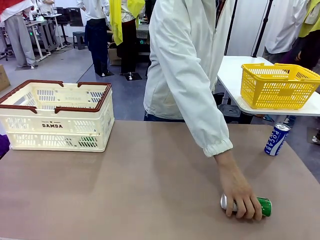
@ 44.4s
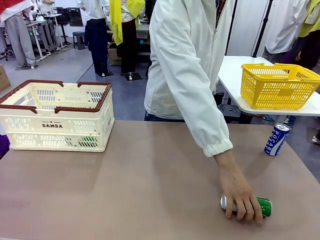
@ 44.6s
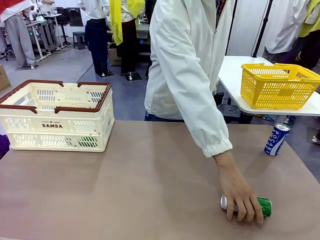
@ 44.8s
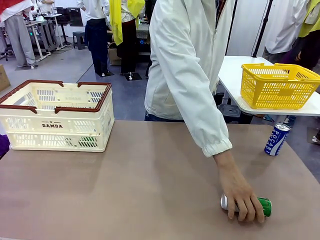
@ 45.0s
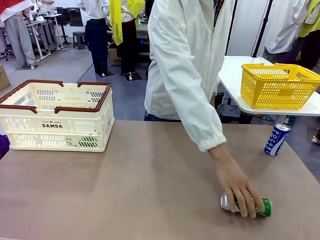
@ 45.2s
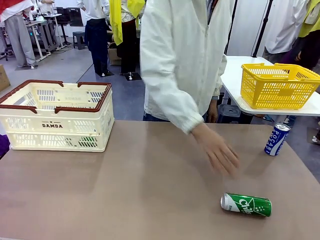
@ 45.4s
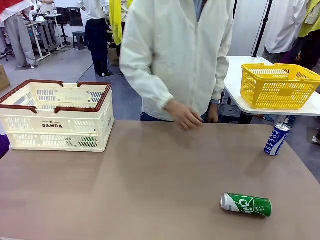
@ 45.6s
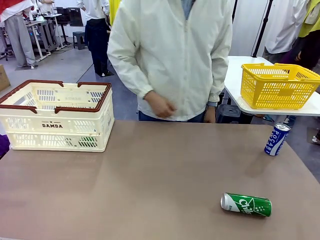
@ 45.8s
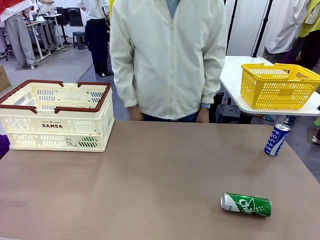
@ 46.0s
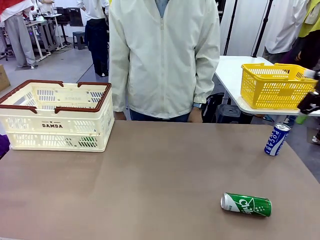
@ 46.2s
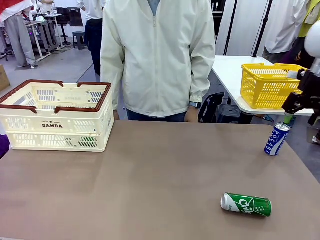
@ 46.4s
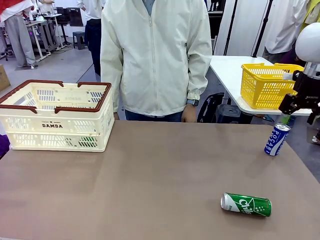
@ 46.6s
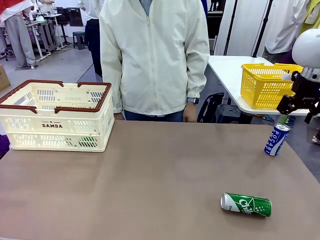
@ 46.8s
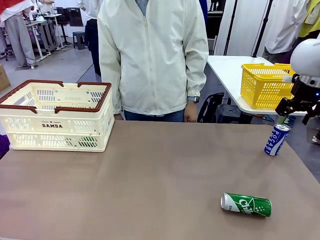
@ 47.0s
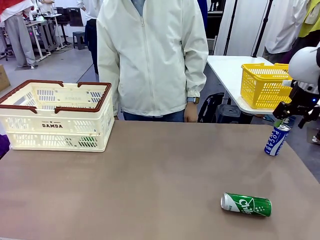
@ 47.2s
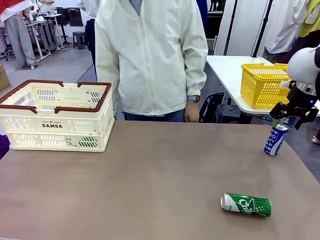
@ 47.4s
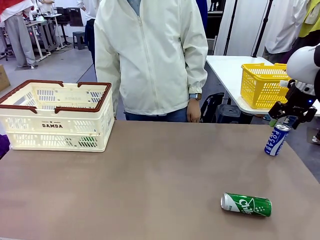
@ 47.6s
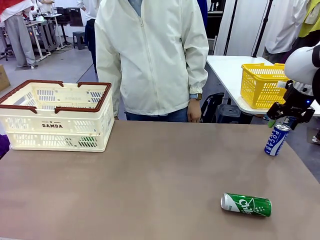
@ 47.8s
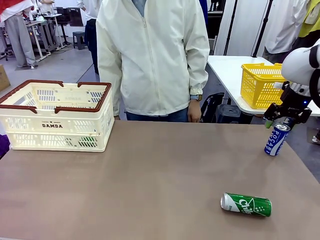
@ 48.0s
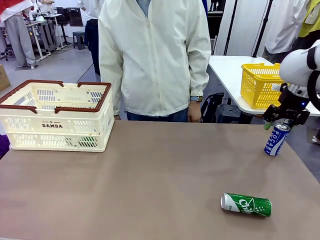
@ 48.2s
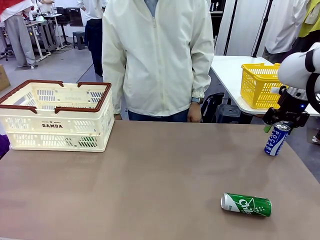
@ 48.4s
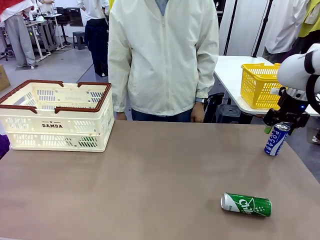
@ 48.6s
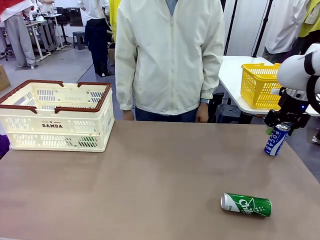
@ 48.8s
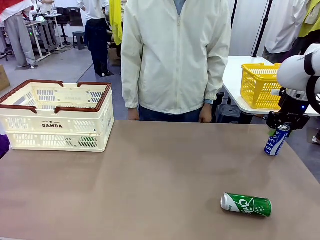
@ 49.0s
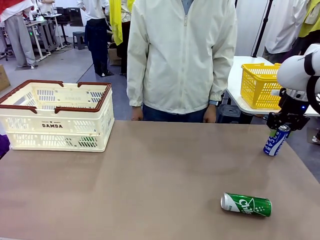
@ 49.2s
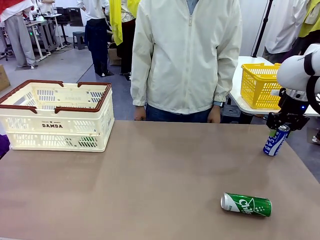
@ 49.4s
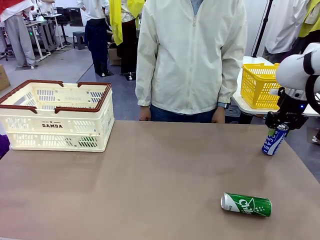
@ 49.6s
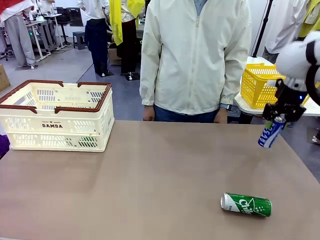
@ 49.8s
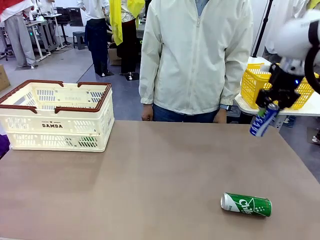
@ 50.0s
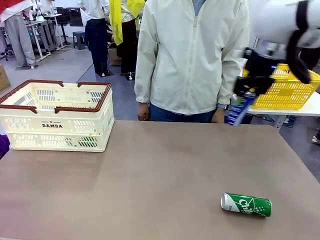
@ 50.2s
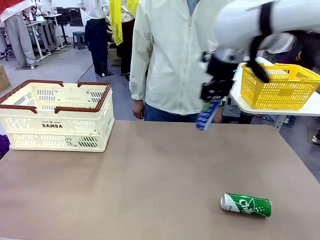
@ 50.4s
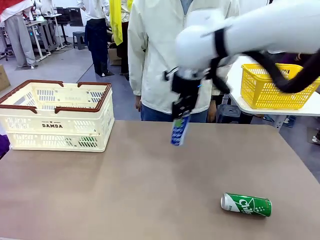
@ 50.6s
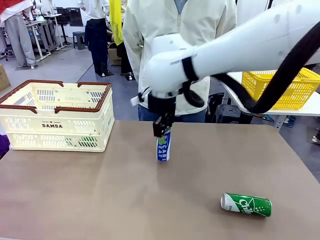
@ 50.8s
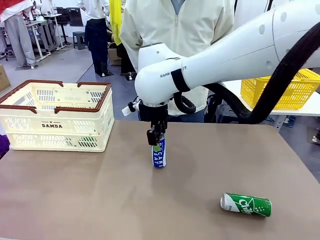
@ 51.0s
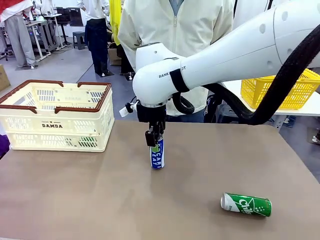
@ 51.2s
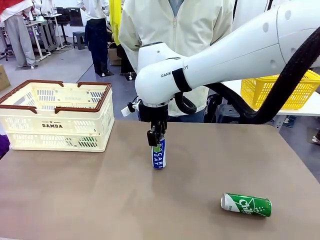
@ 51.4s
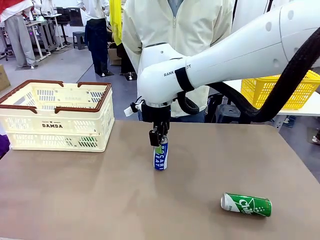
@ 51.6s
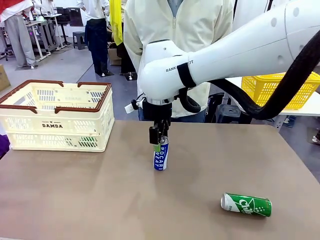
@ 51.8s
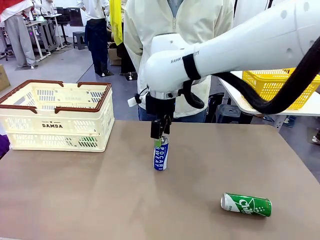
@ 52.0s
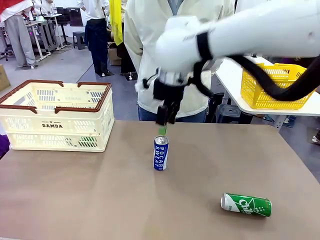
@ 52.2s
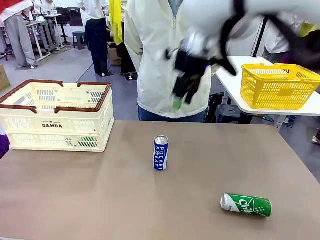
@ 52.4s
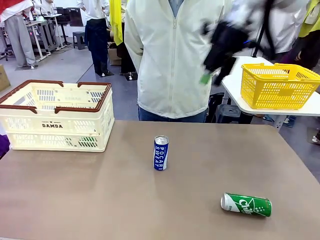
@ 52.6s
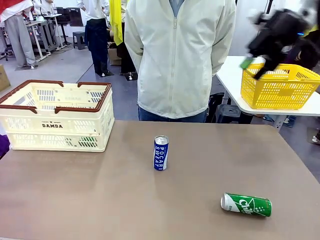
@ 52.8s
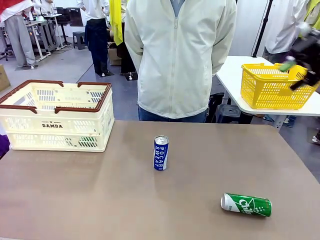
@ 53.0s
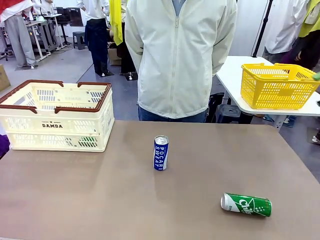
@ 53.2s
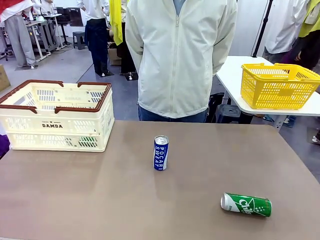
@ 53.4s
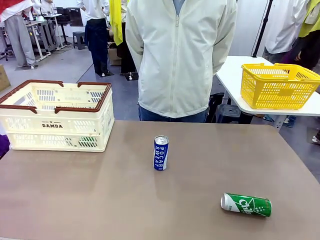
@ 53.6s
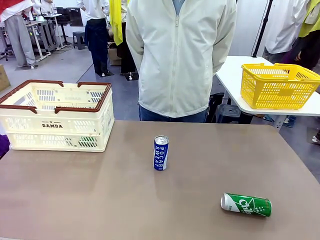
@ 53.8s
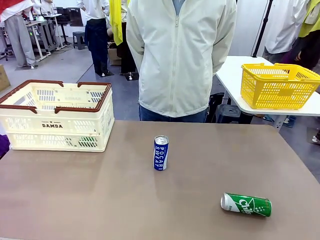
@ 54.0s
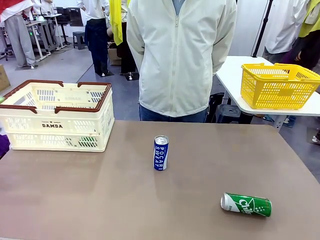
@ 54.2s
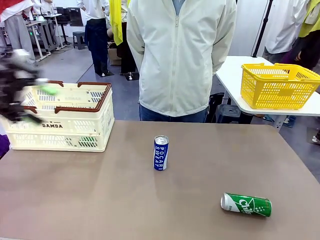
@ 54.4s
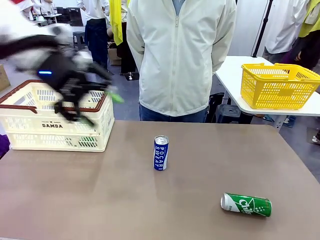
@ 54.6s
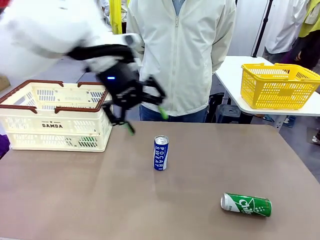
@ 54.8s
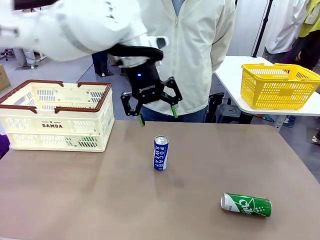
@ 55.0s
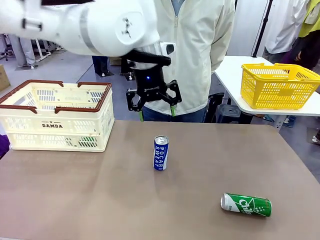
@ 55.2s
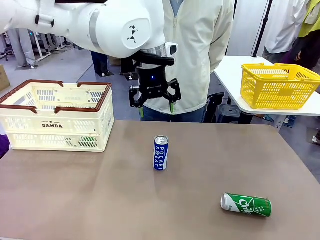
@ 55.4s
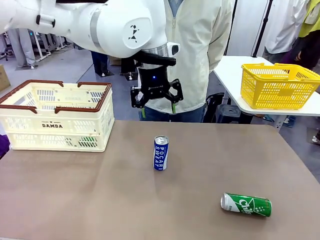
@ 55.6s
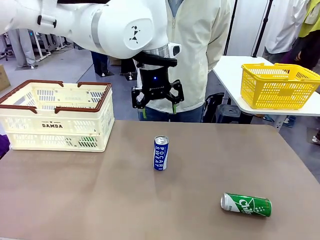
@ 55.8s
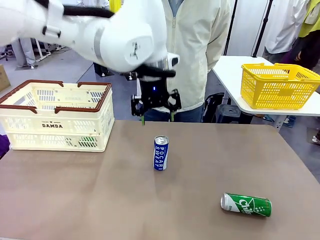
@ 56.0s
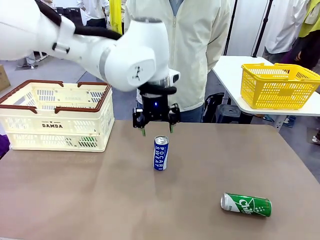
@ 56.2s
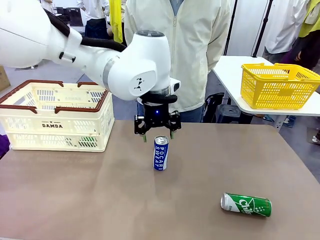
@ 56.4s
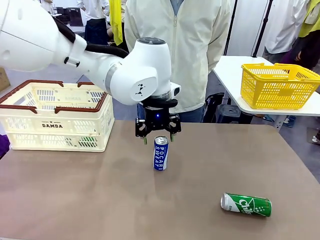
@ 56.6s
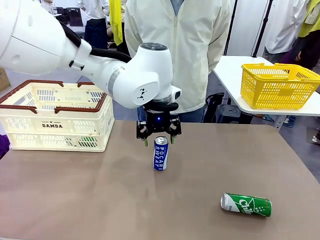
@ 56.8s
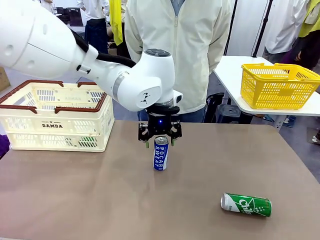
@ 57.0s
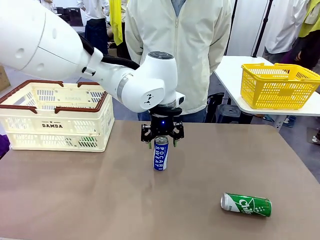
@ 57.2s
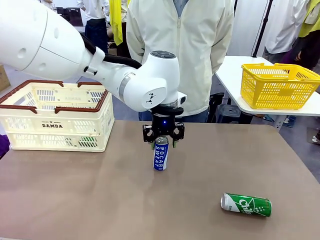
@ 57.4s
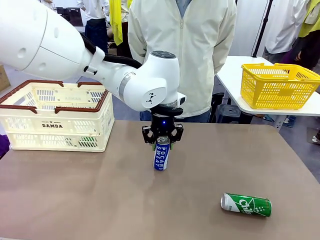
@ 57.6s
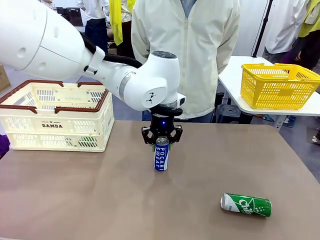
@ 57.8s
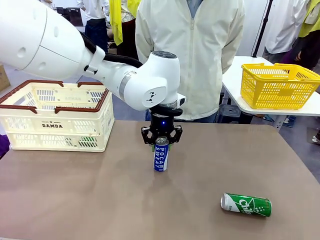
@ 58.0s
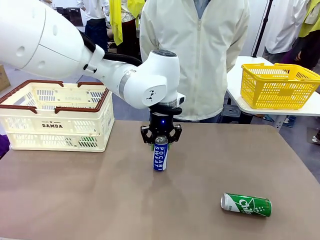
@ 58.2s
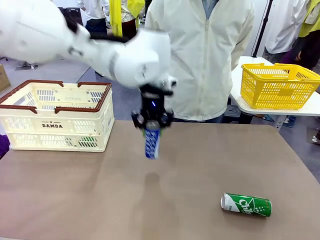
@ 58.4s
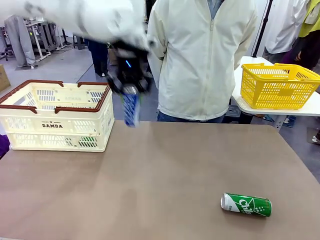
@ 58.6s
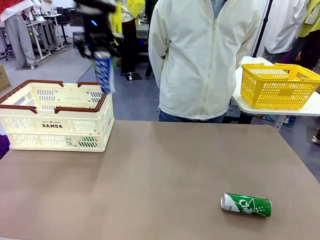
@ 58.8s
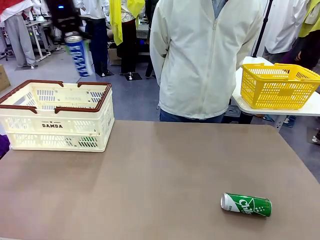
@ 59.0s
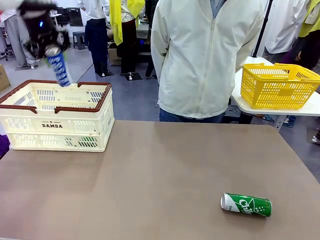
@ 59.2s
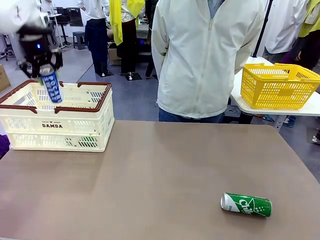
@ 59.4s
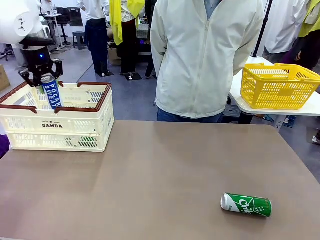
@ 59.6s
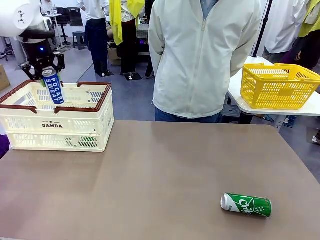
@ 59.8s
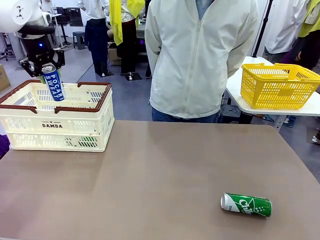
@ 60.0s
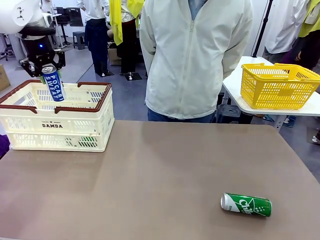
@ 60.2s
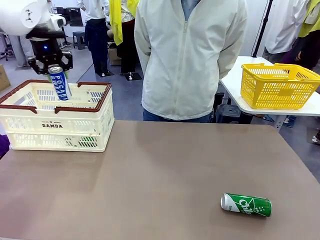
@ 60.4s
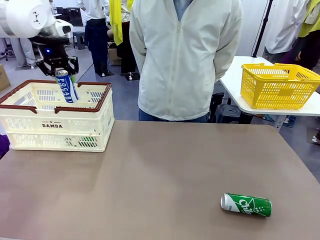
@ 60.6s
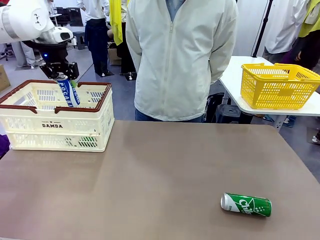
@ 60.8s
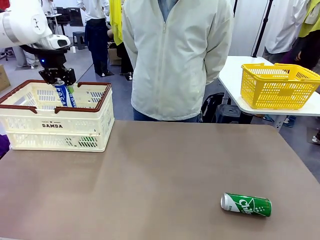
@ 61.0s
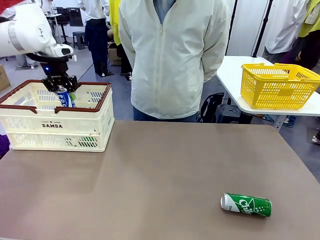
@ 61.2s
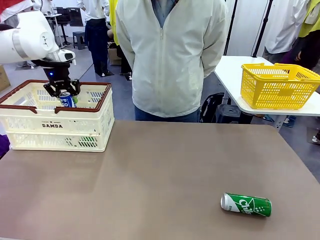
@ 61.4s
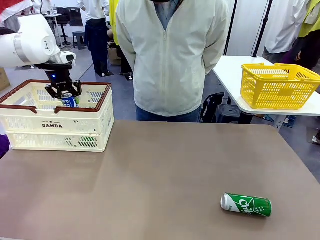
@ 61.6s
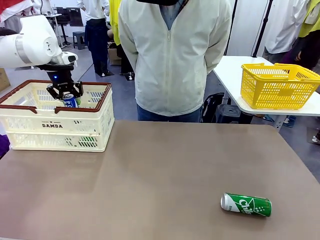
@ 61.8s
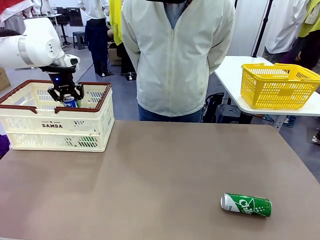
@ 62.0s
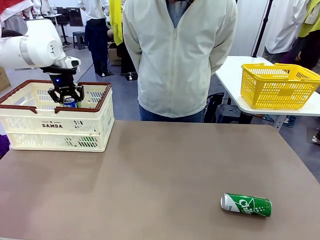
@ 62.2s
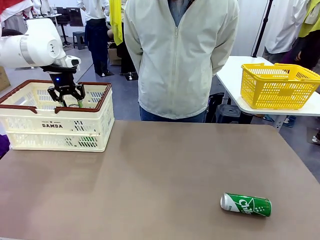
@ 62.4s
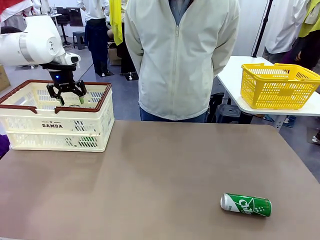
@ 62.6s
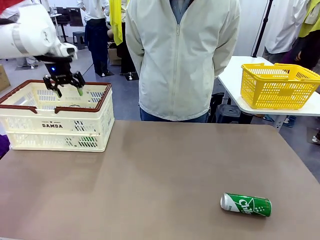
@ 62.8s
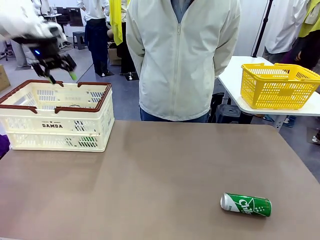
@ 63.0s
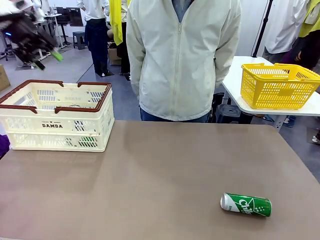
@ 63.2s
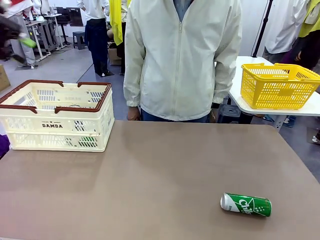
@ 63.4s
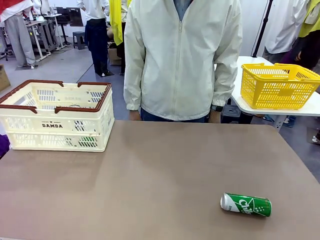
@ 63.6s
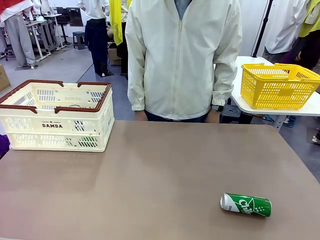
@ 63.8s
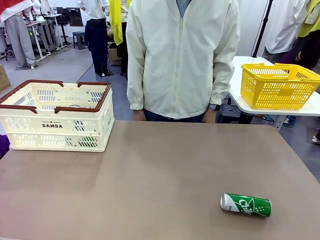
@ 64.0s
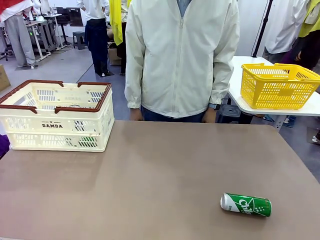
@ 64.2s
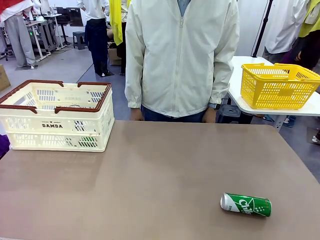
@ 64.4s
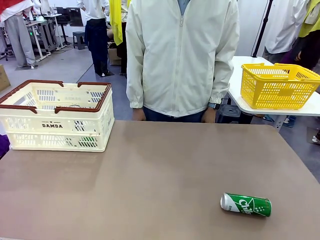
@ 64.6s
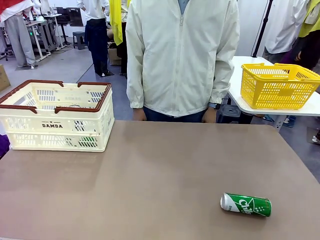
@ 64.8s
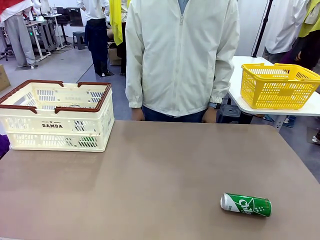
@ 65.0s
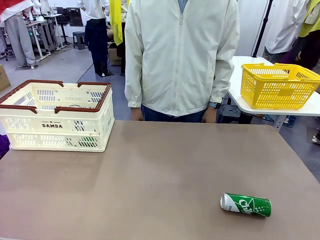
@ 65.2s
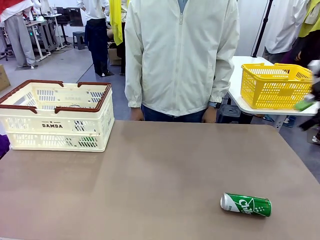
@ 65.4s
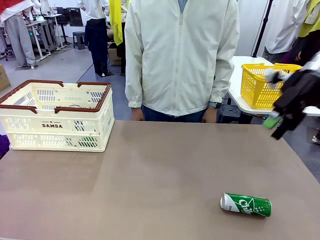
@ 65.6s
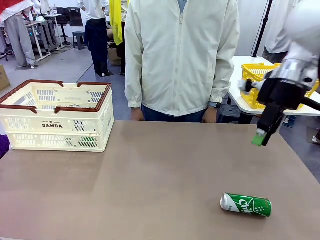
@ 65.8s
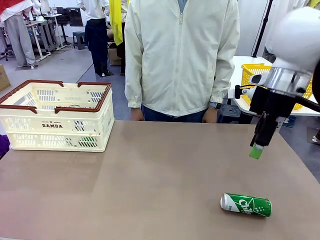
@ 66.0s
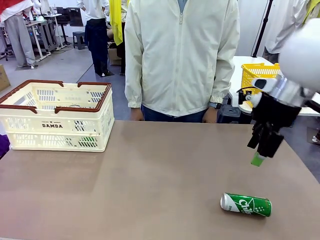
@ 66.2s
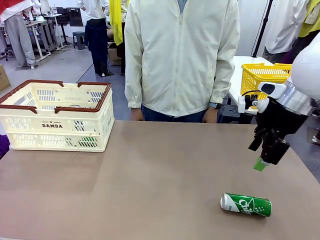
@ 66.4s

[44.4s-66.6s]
Task: Place the drinks into the Shopping basket.
Robot: Pick up one drink and place it into the Shopping basket.
